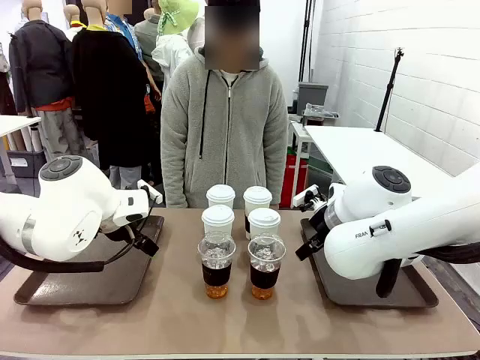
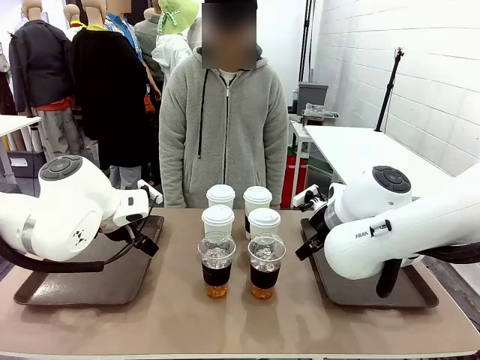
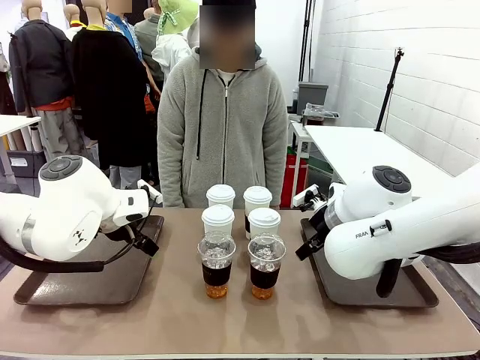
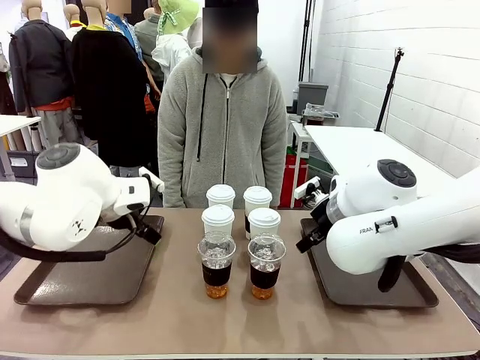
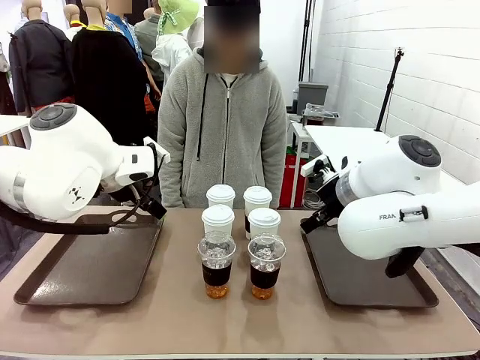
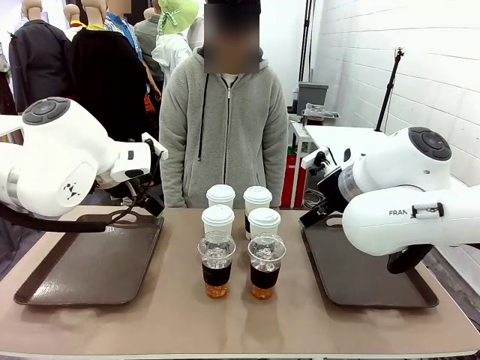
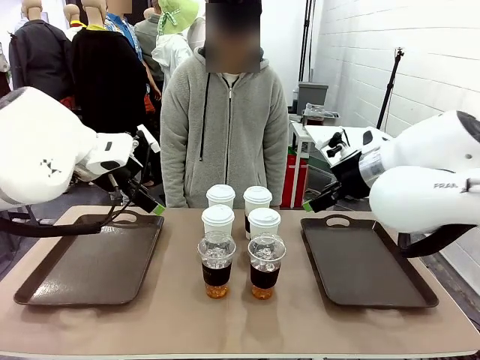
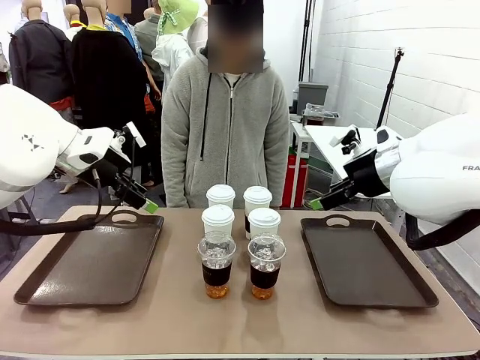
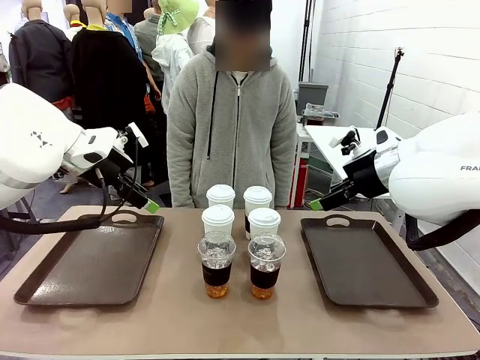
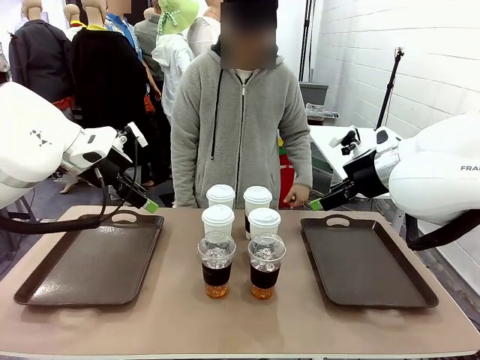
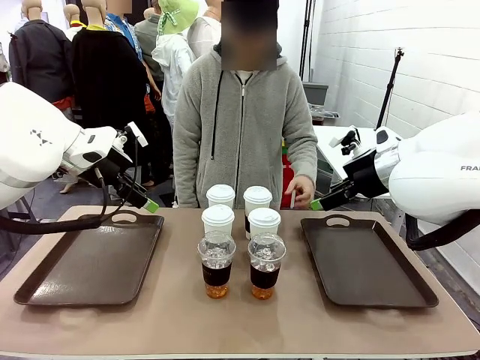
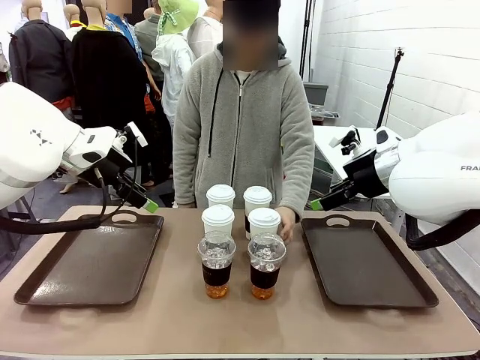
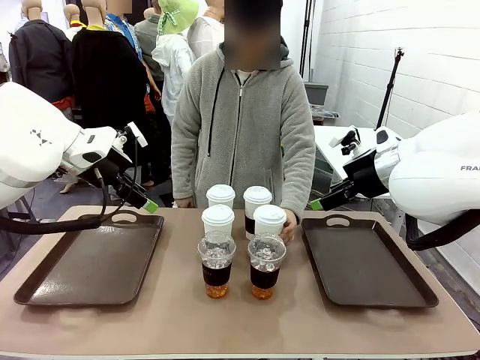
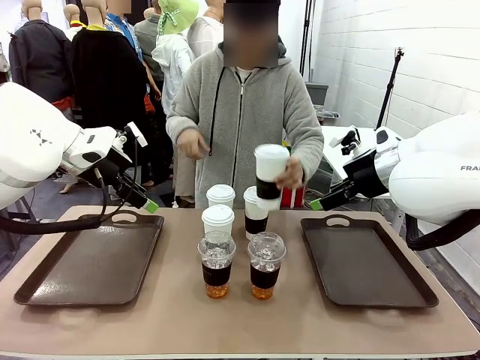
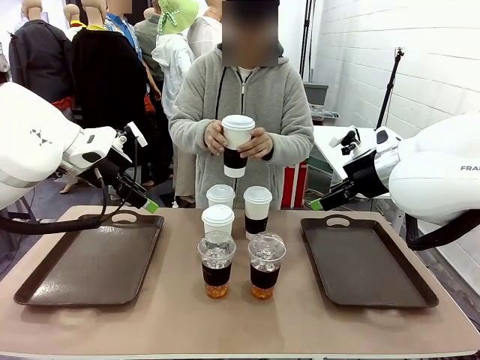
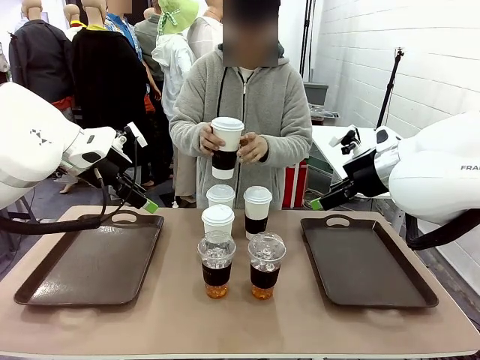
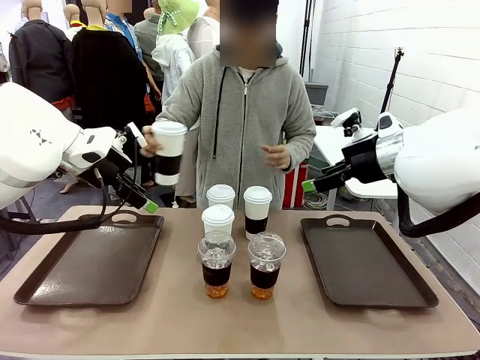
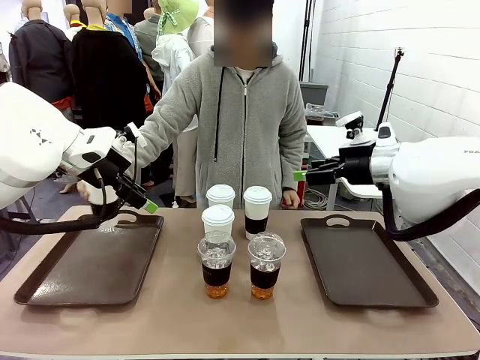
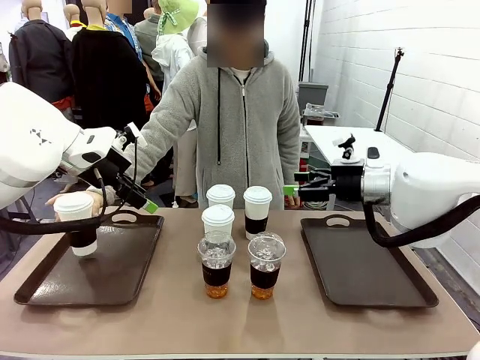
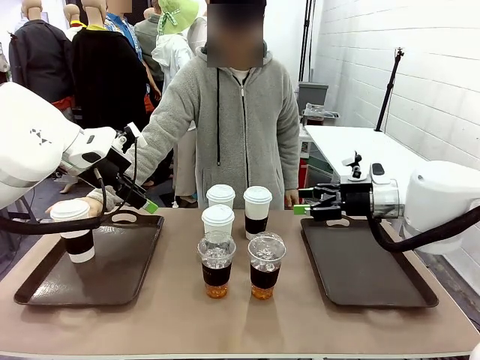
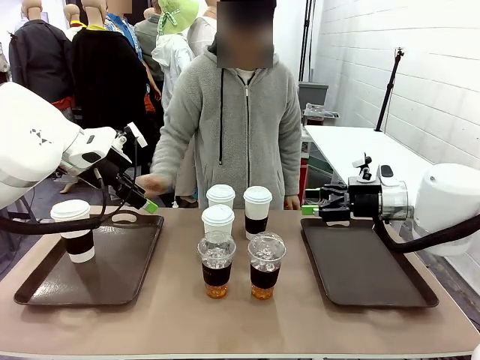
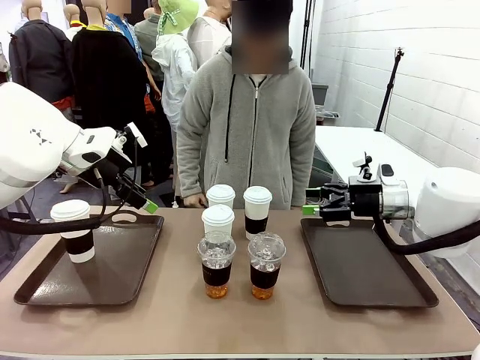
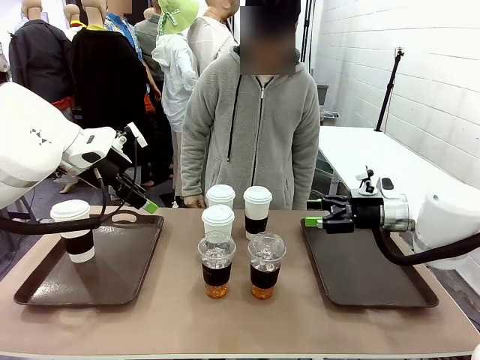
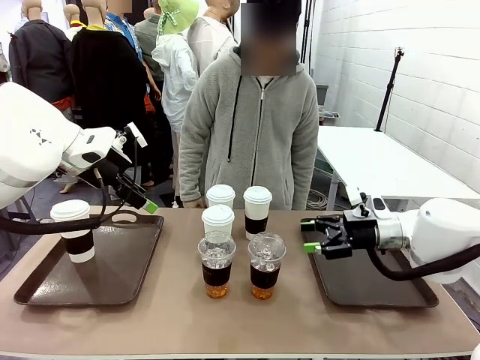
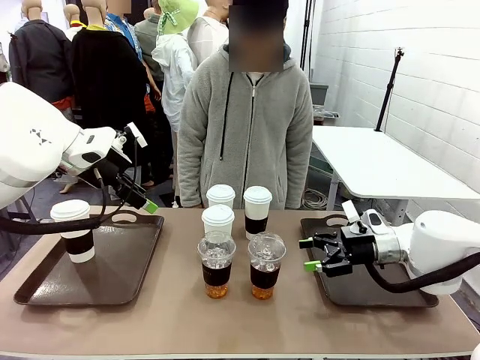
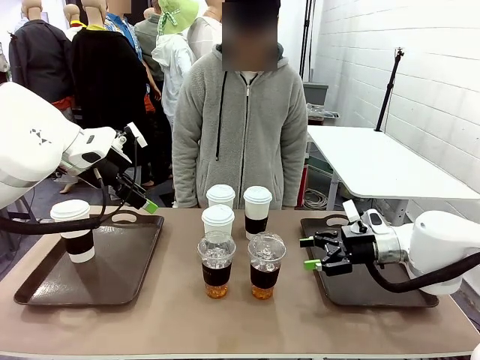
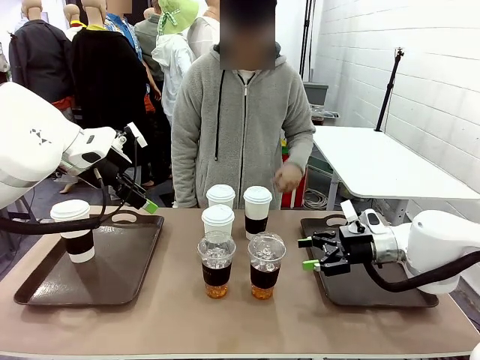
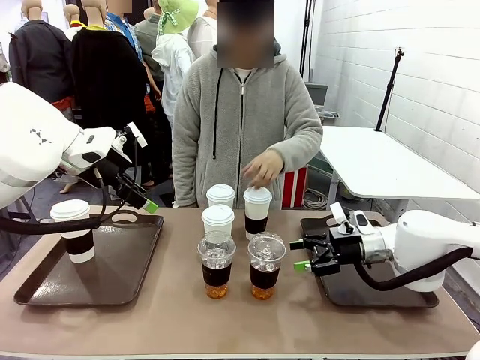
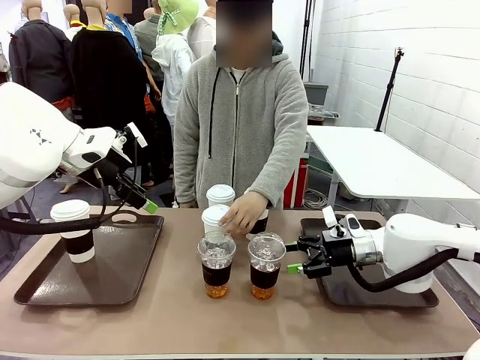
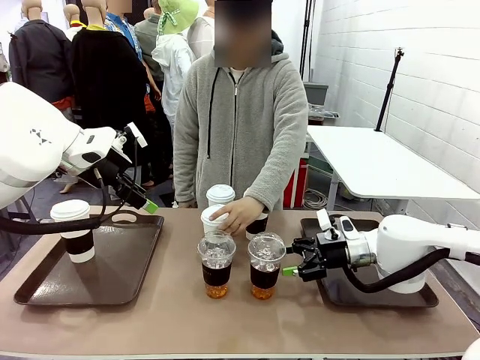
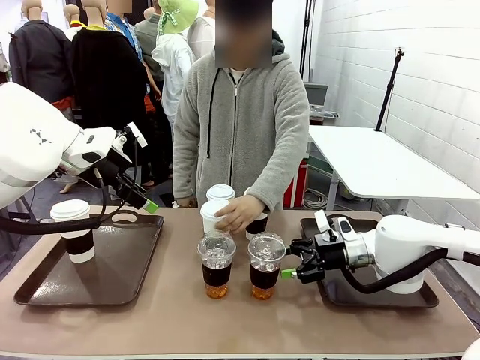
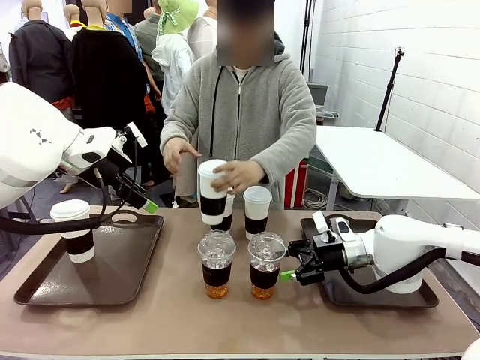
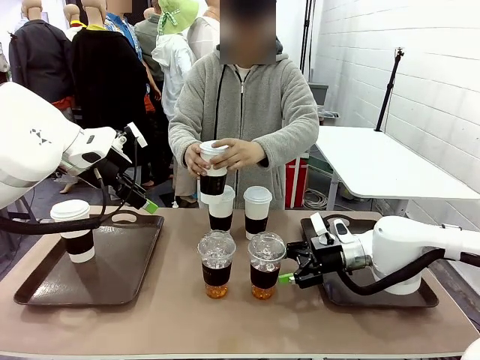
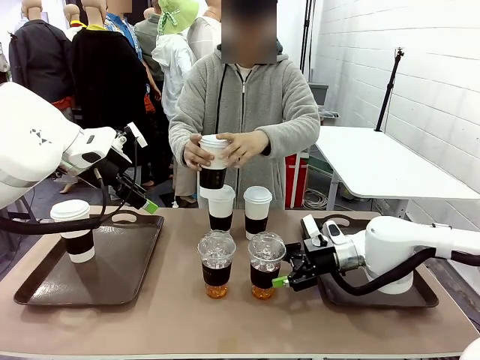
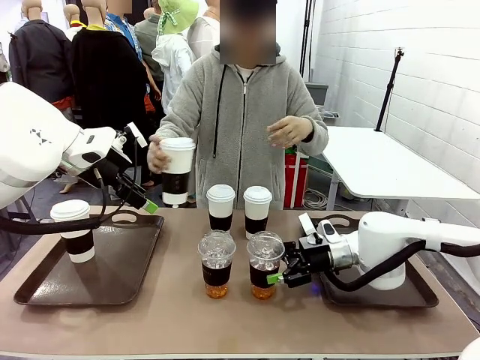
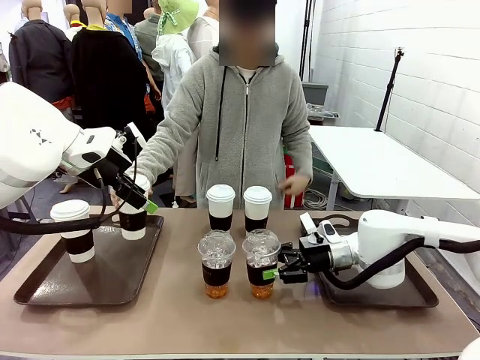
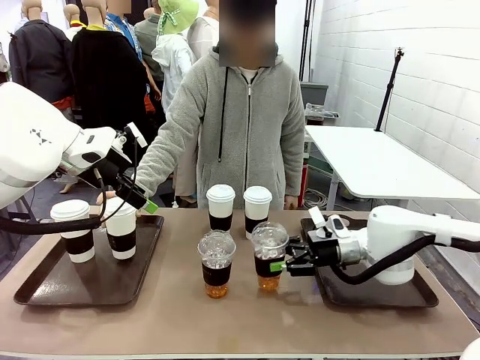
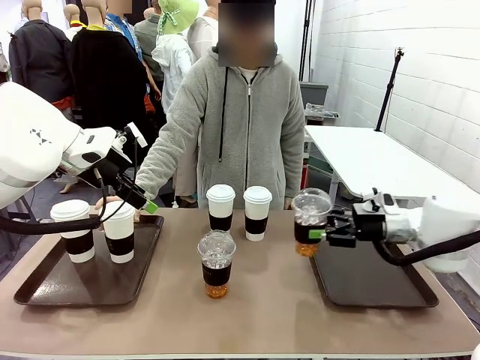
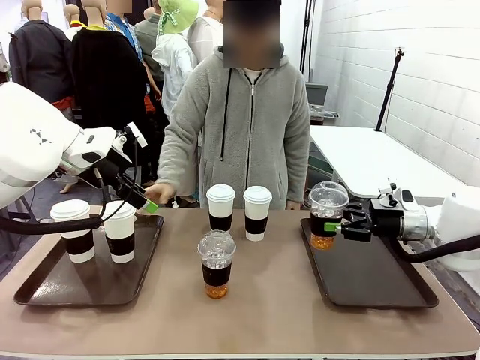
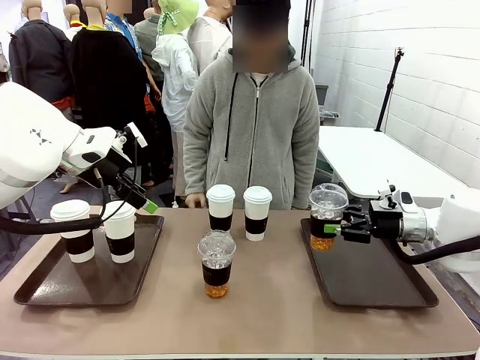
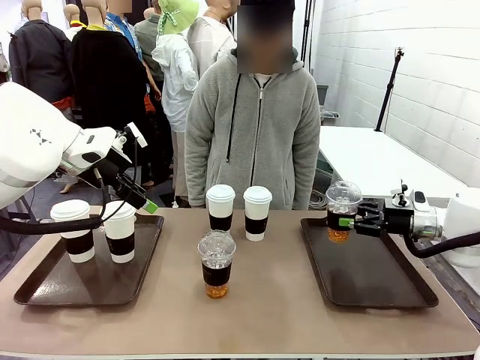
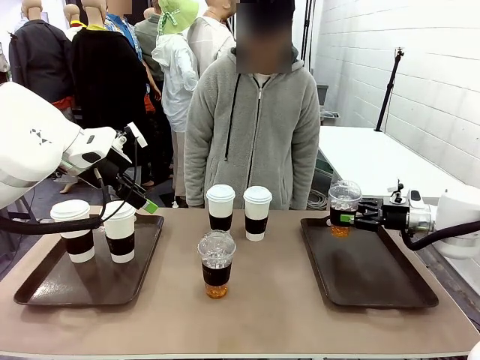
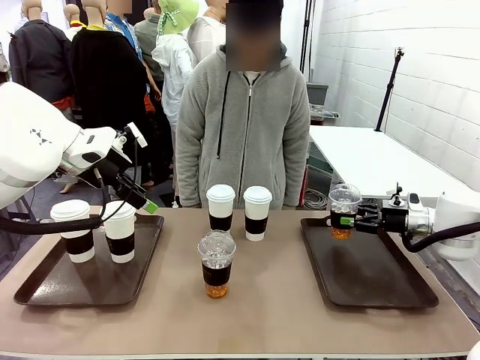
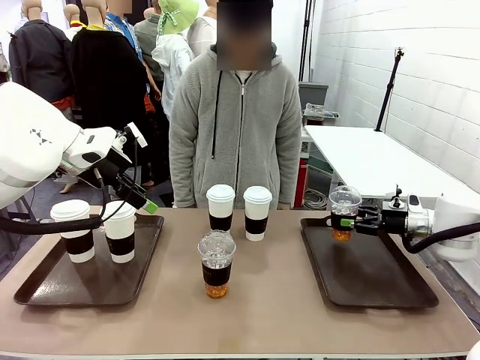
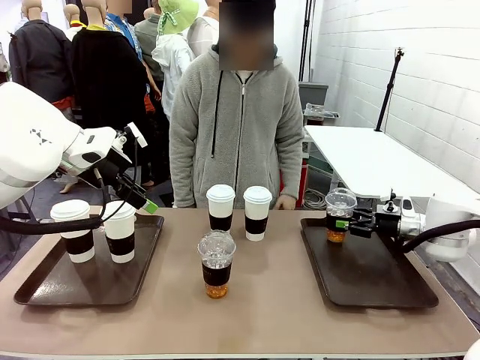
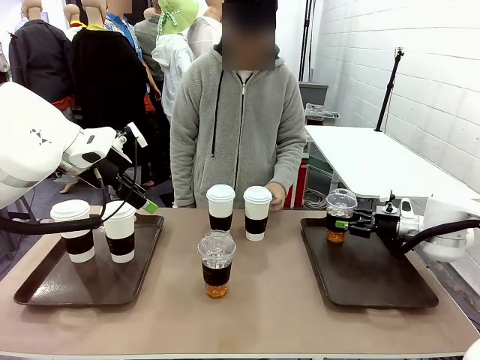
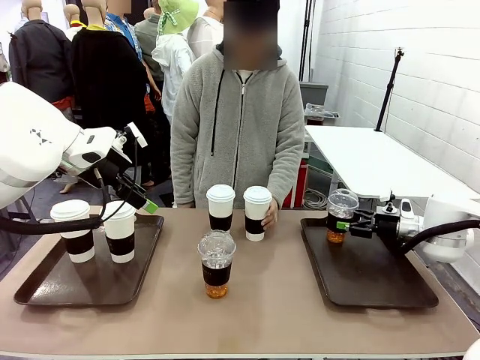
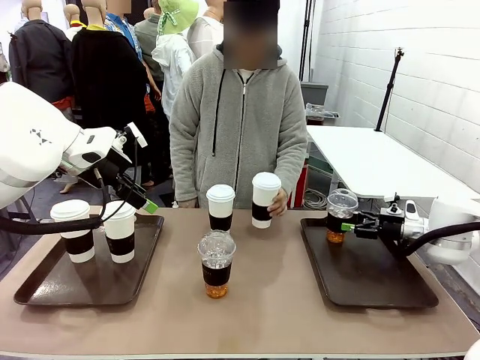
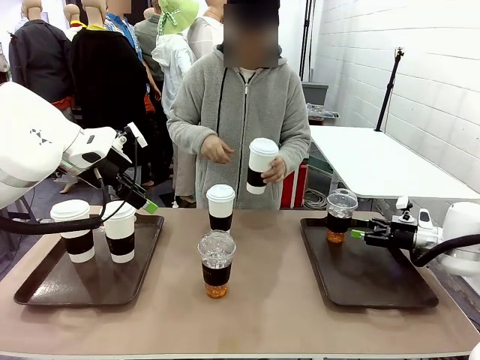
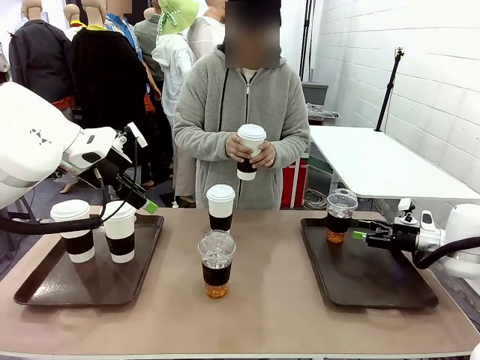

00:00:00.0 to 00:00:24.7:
Task: Distribute the coffee onto the tray.
Robot: Pick up one iced Americano and place it on the right Handle tray.
Person: Pick up a cup of hot Americano and place it on the right tray.
